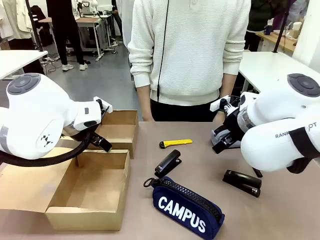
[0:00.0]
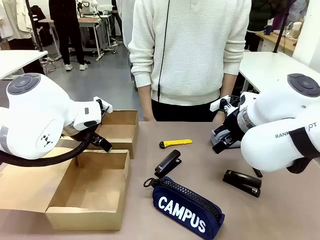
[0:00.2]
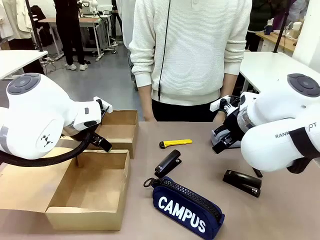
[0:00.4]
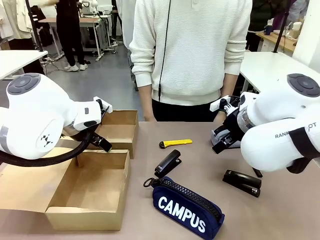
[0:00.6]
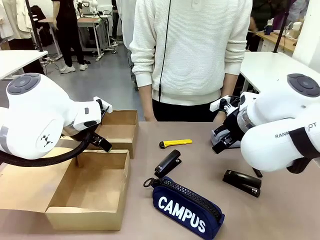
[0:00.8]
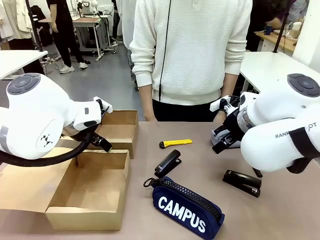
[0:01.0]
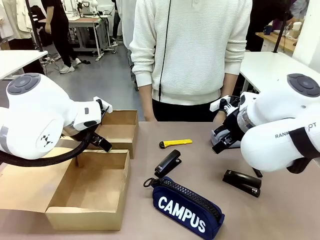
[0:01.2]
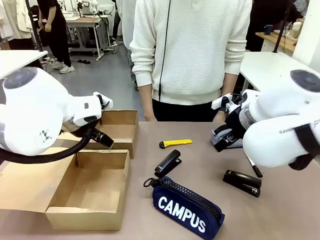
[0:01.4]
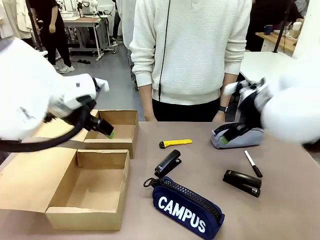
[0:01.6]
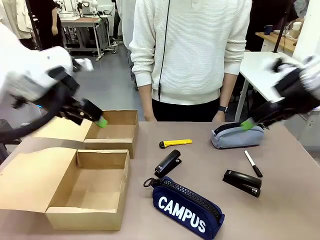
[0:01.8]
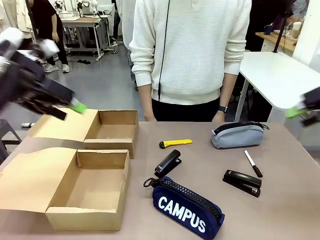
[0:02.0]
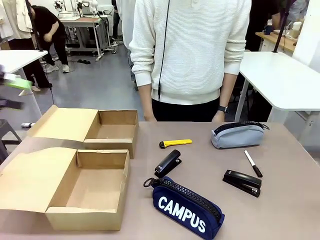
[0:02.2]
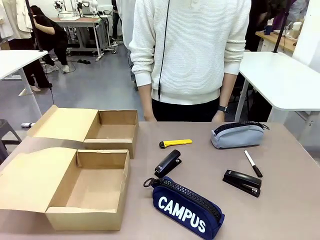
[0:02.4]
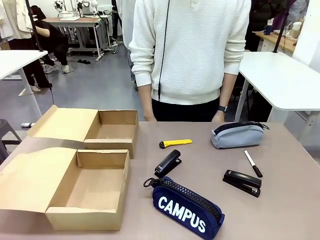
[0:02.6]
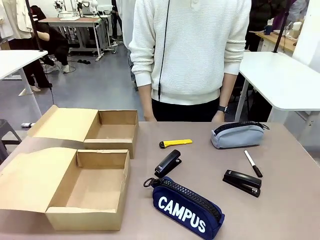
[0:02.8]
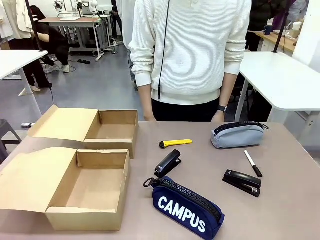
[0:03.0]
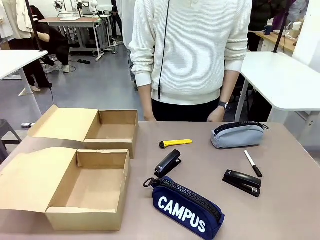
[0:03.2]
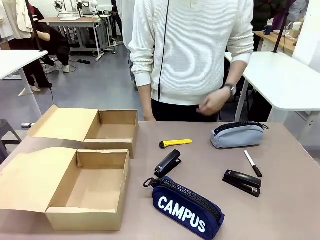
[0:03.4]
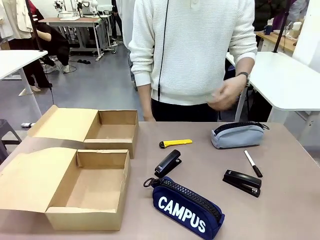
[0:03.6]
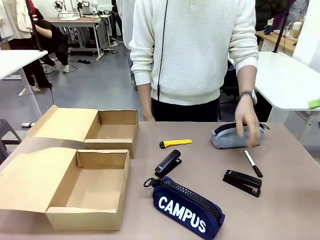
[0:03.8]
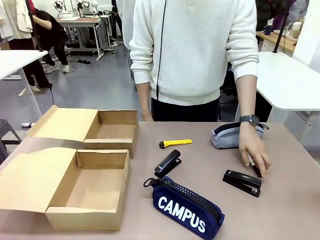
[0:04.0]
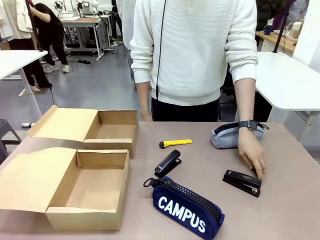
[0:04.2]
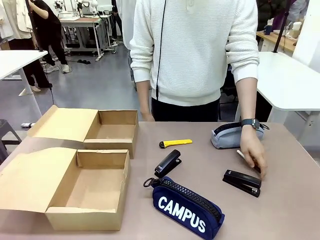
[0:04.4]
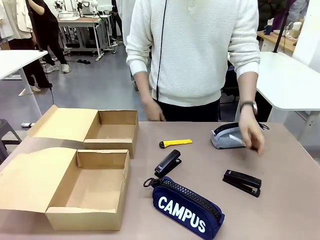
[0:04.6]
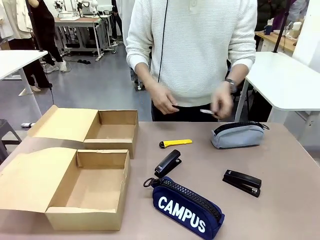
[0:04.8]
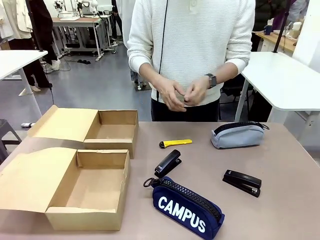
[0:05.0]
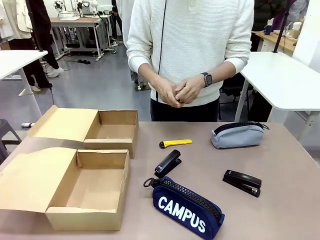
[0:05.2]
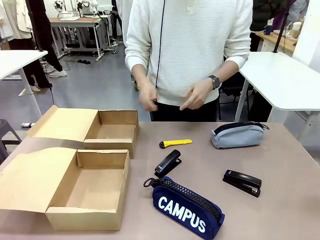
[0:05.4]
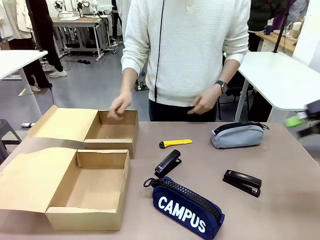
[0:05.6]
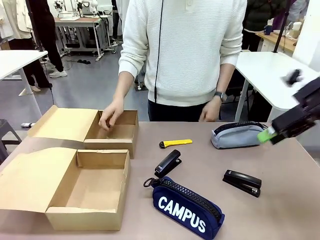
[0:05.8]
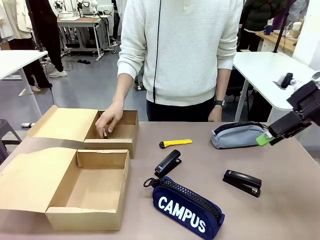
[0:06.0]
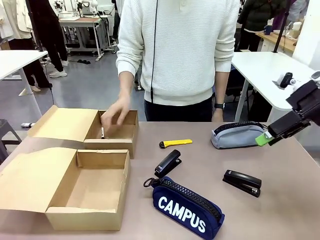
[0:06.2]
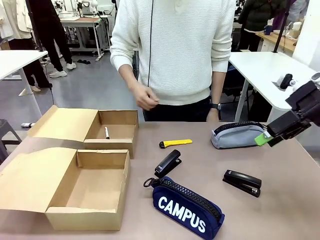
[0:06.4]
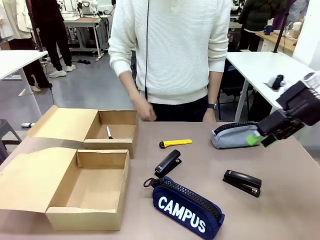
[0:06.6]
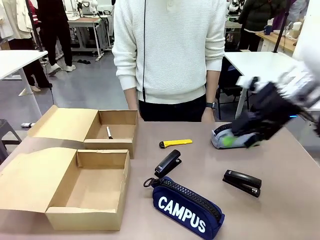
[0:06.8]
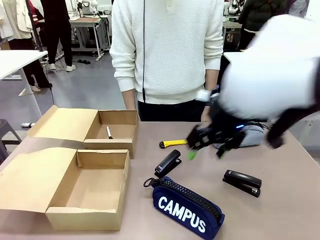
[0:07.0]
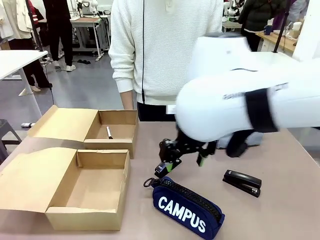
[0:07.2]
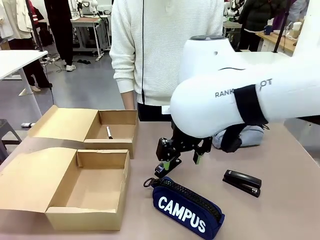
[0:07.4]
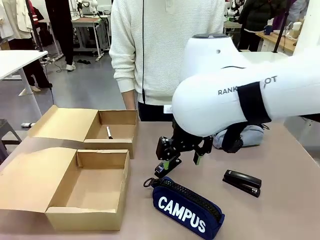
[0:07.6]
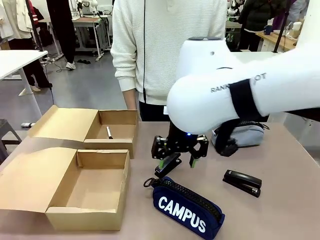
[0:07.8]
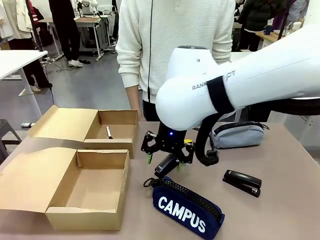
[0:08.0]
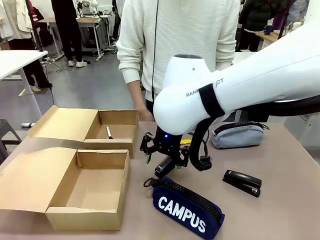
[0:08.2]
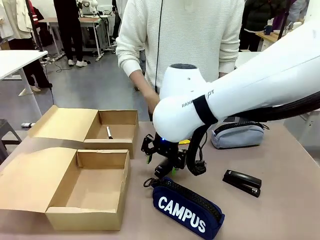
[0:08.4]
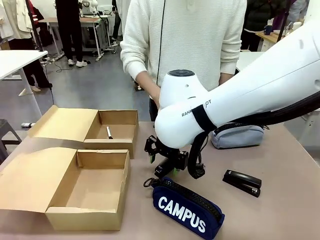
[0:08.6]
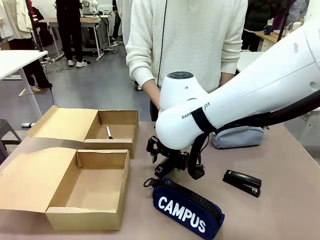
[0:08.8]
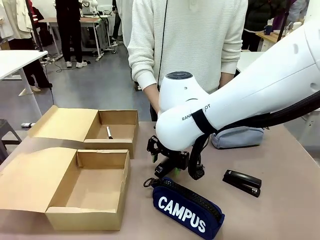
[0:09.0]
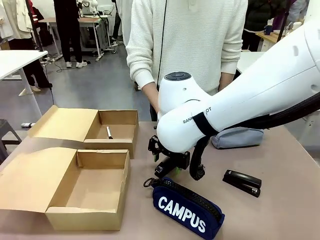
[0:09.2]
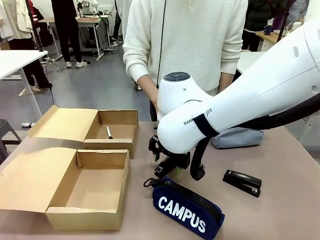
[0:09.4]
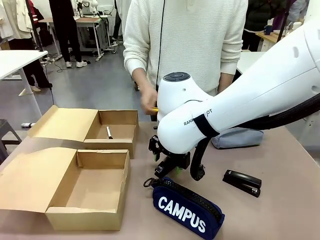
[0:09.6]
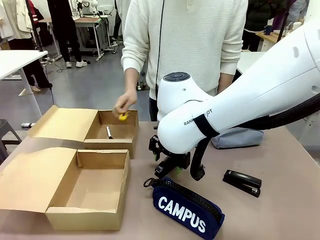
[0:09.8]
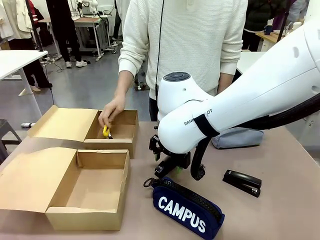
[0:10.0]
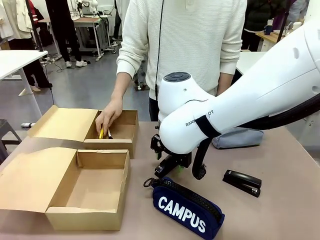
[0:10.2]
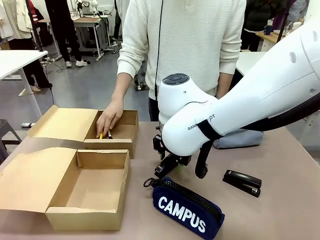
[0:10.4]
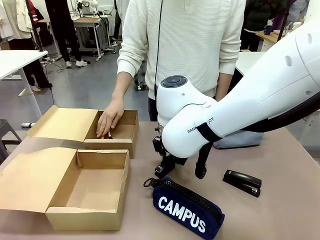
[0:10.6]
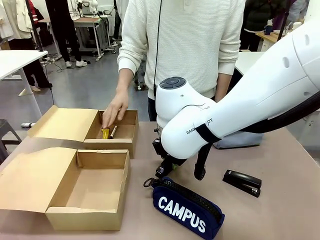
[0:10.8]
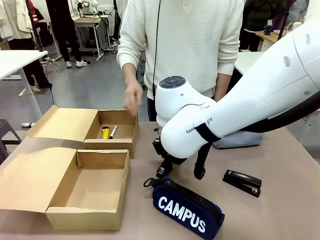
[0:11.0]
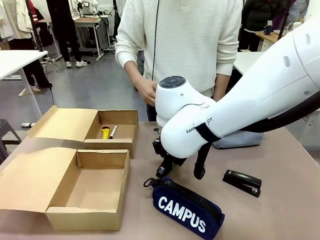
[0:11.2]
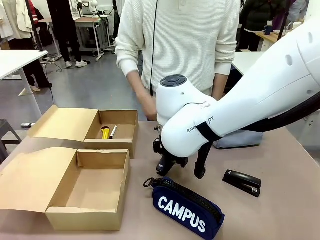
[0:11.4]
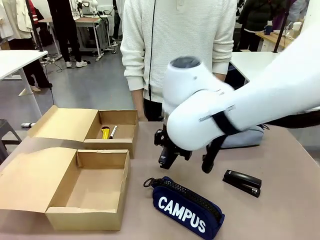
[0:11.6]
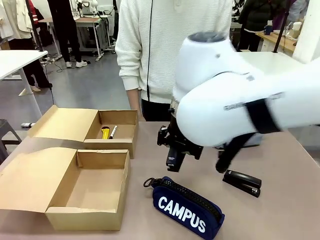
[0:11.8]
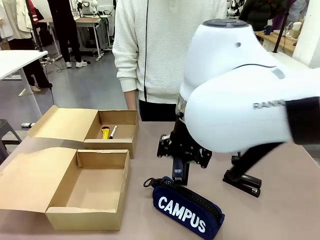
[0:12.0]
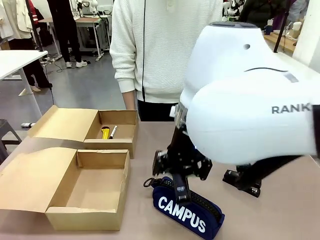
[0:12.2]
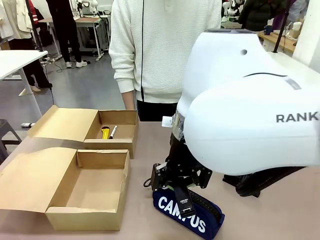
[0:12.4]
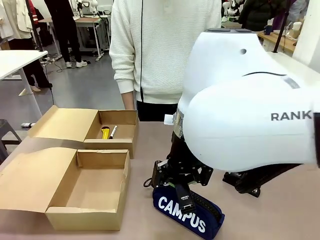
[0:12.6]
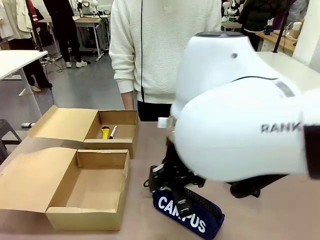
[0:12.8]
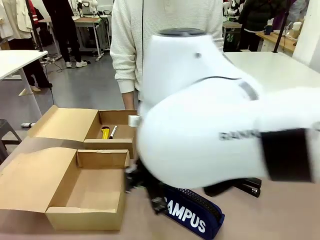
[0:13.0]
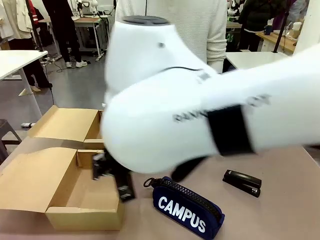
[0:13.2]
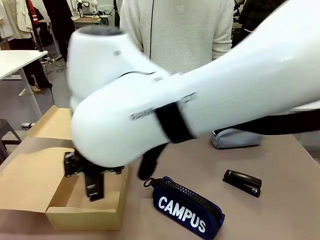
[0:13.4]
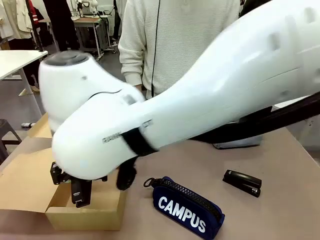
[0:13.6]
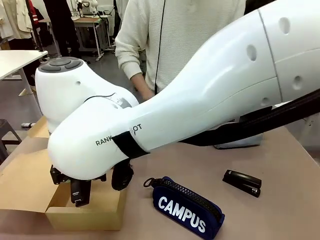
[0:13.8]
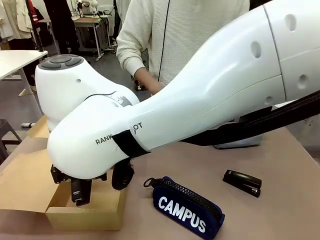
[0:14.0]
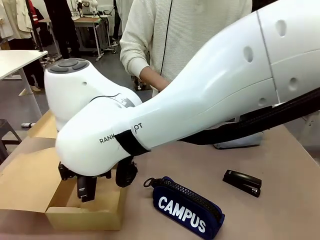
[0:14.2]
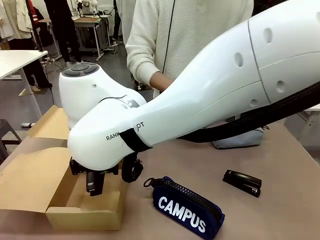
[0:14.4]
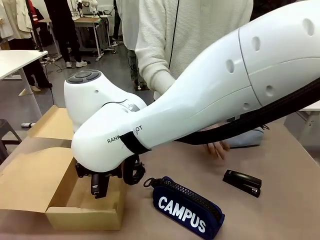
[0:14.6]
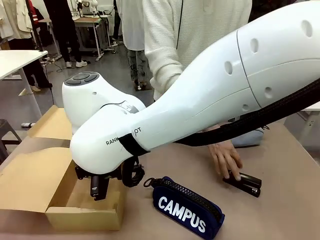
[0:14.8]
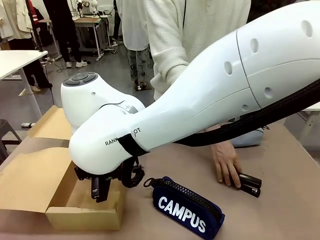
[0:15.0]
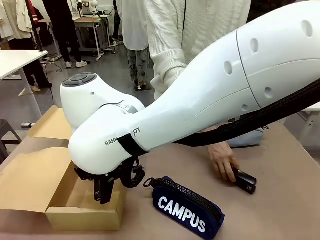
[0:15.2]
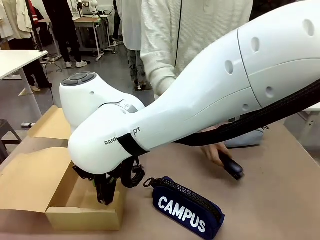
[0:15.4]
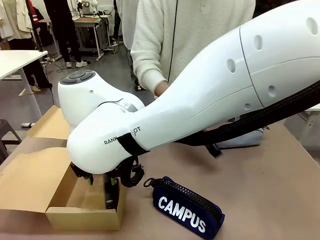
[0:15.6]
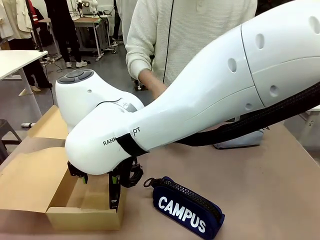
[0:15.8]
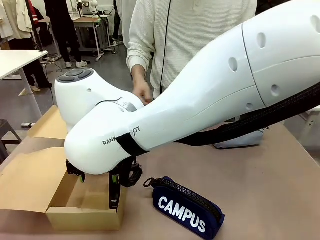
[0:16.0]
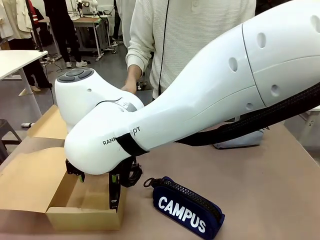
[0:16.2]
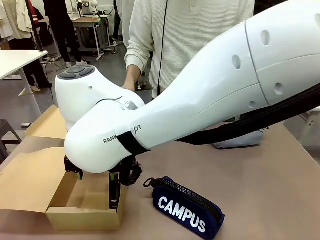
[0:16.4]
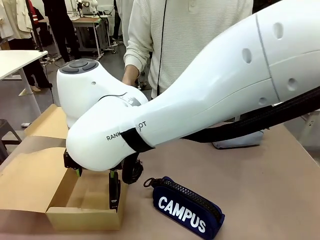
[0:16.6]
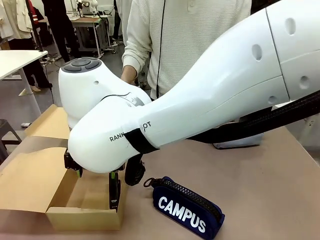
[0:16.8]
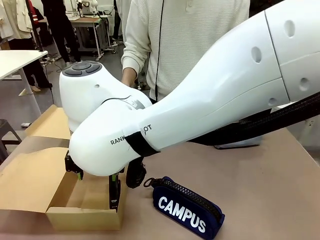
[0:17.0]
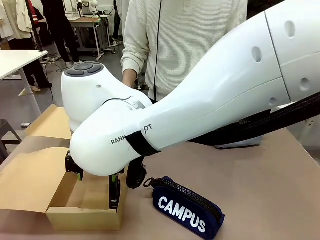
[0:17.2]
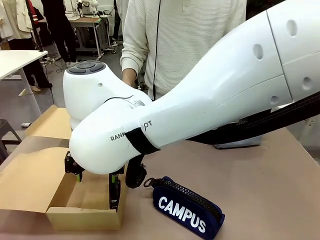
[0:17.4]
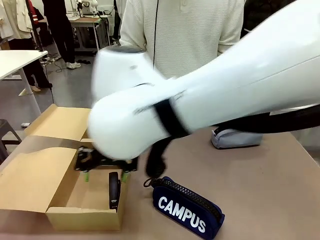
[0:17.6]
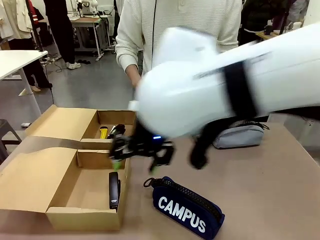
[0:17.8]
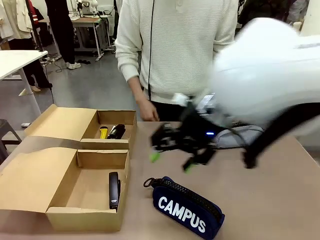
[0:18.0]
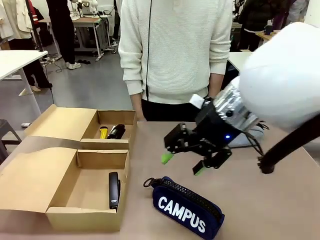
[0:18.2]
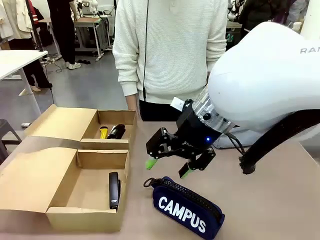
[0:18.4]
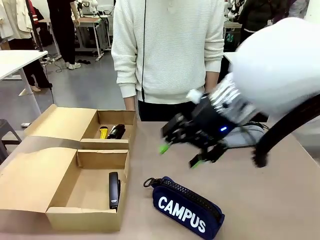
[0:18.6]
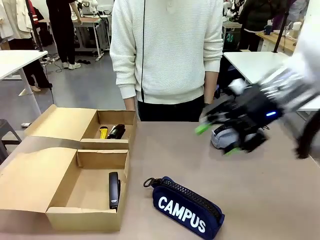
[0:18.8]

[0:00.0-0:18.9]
Task: Place items inside the box.
Robot: Pick up a Pencil pouch or Stapler and place it inside the Mailer Box closest to the robot.
Person: Pick up an object on the table and put it in the box.
